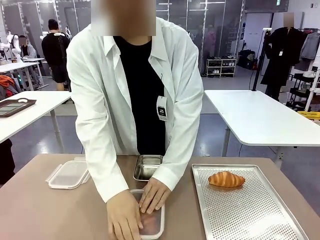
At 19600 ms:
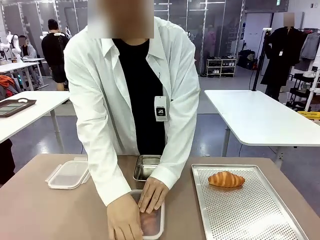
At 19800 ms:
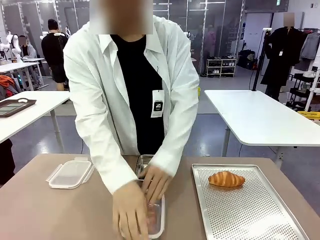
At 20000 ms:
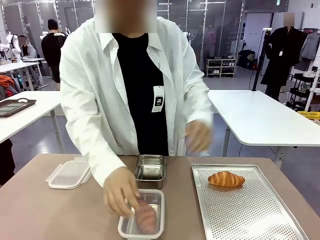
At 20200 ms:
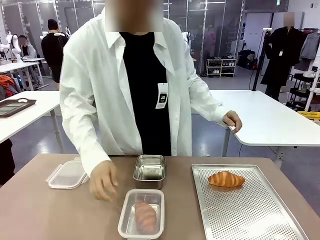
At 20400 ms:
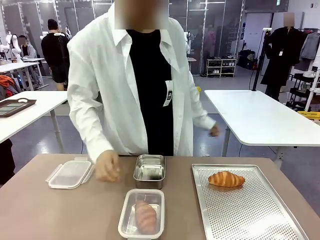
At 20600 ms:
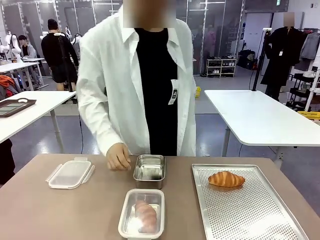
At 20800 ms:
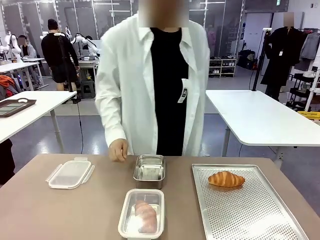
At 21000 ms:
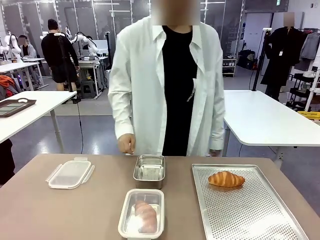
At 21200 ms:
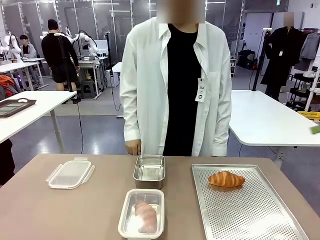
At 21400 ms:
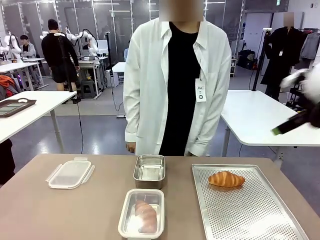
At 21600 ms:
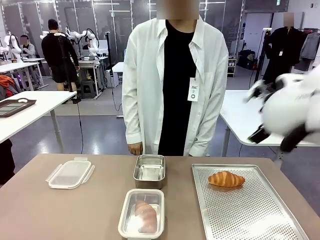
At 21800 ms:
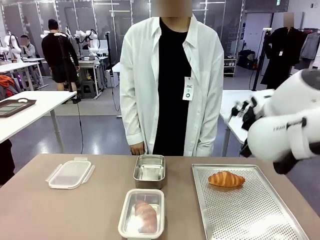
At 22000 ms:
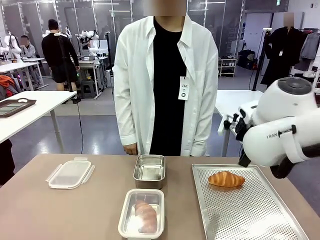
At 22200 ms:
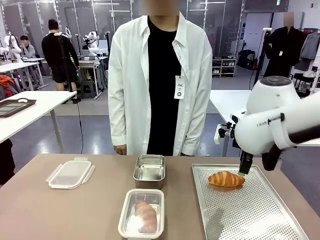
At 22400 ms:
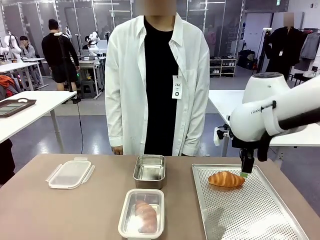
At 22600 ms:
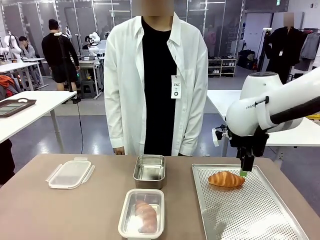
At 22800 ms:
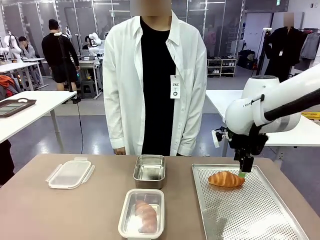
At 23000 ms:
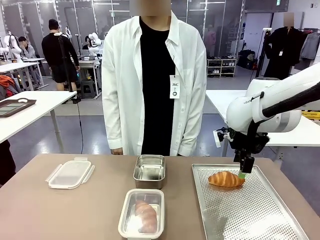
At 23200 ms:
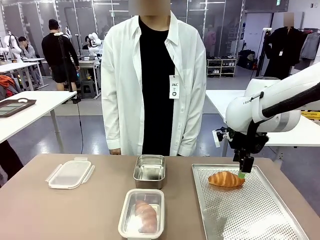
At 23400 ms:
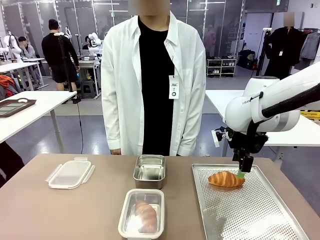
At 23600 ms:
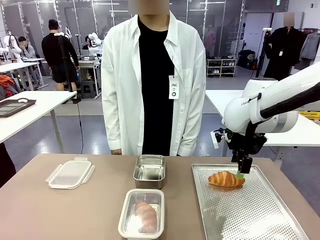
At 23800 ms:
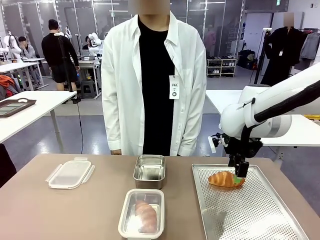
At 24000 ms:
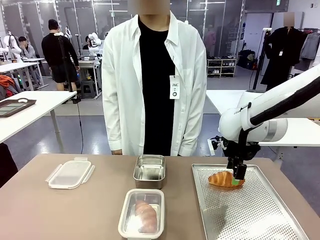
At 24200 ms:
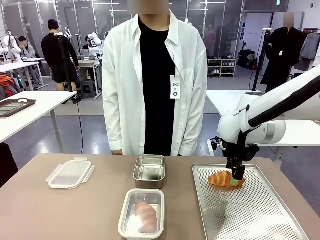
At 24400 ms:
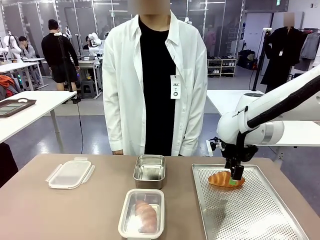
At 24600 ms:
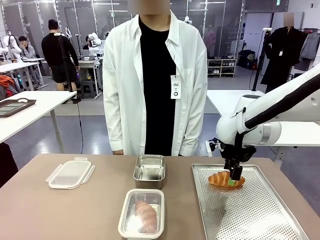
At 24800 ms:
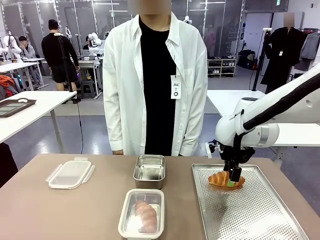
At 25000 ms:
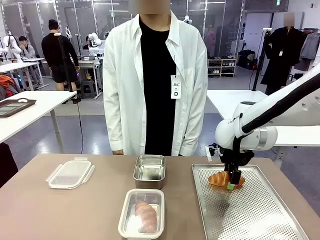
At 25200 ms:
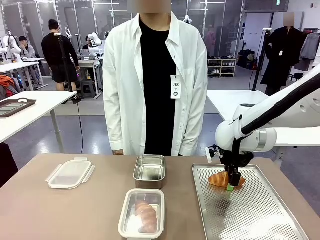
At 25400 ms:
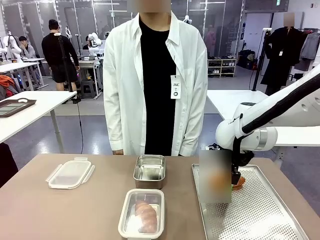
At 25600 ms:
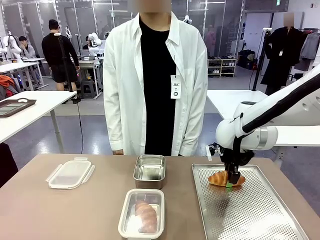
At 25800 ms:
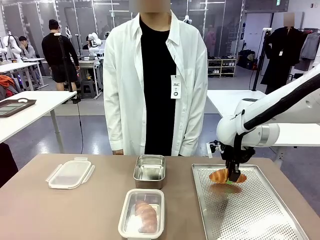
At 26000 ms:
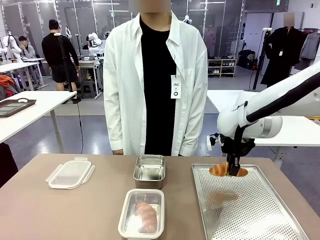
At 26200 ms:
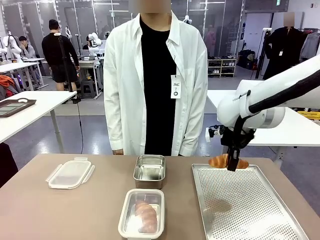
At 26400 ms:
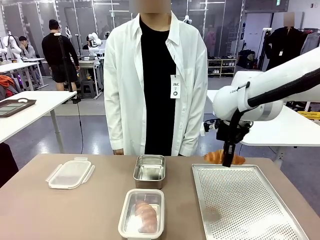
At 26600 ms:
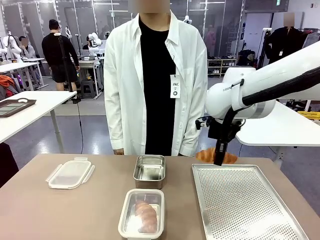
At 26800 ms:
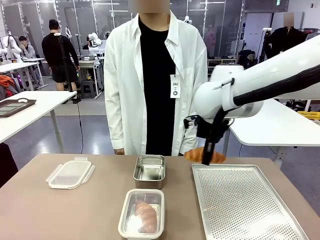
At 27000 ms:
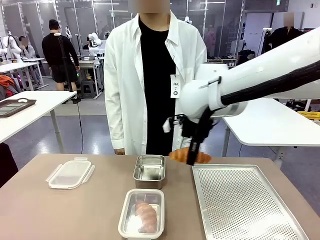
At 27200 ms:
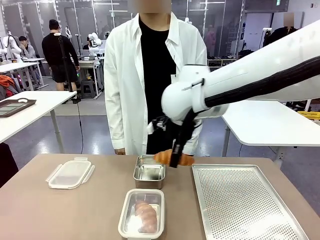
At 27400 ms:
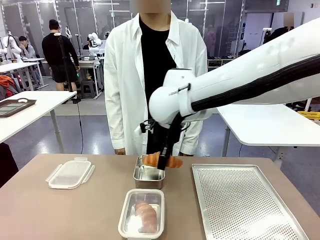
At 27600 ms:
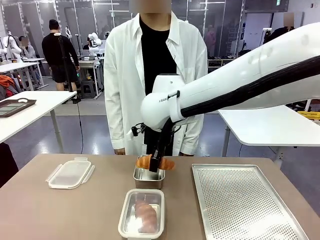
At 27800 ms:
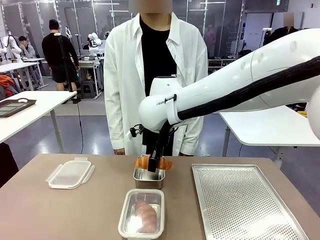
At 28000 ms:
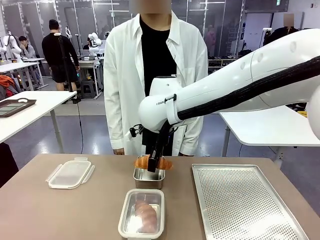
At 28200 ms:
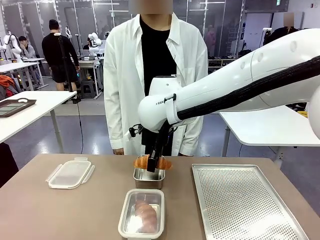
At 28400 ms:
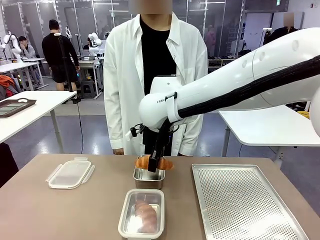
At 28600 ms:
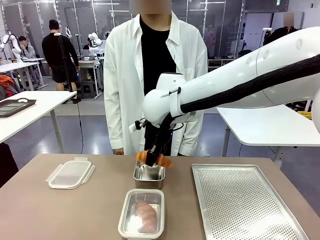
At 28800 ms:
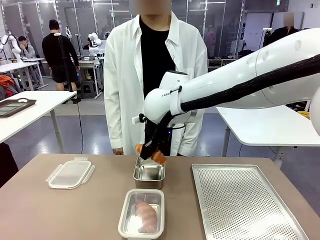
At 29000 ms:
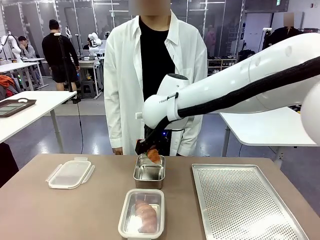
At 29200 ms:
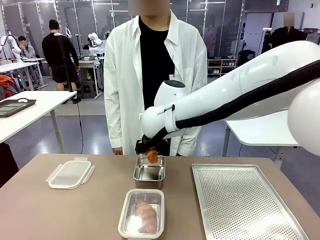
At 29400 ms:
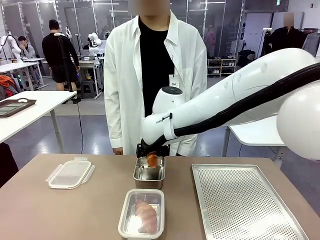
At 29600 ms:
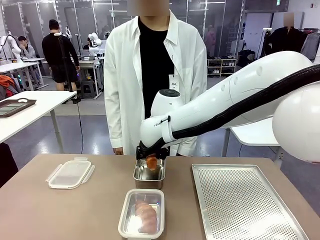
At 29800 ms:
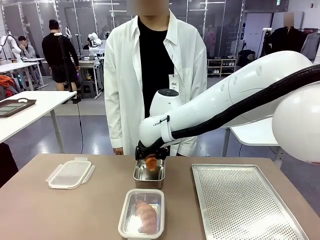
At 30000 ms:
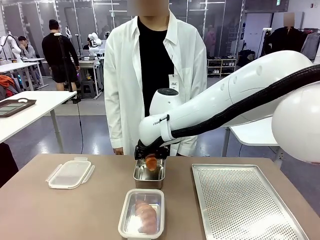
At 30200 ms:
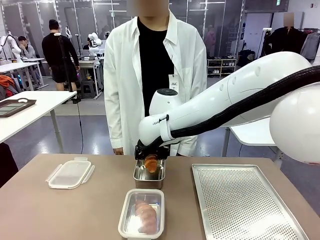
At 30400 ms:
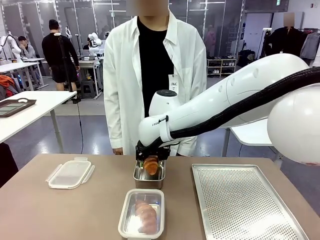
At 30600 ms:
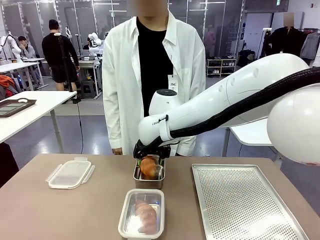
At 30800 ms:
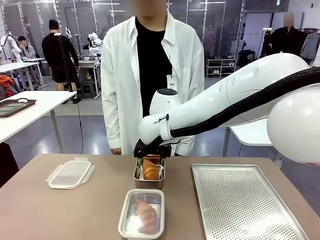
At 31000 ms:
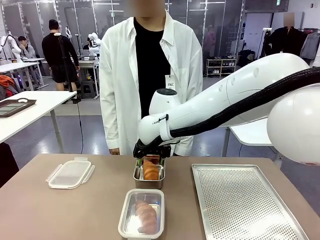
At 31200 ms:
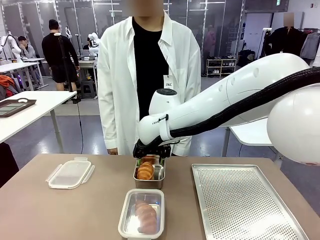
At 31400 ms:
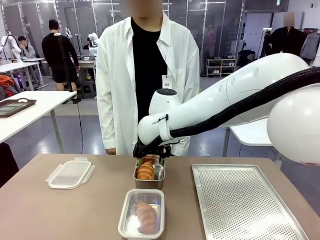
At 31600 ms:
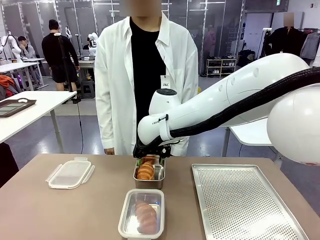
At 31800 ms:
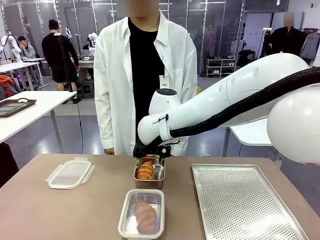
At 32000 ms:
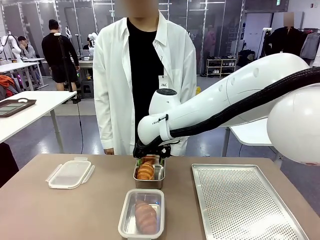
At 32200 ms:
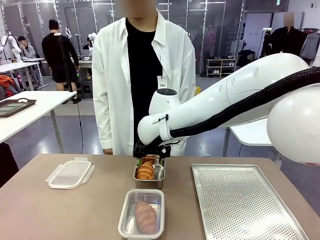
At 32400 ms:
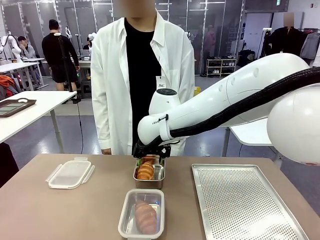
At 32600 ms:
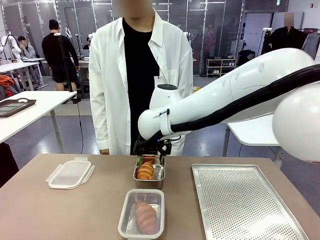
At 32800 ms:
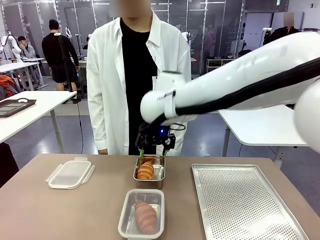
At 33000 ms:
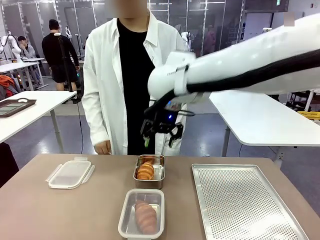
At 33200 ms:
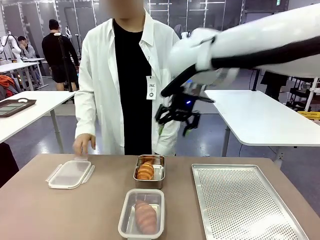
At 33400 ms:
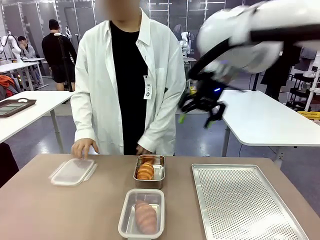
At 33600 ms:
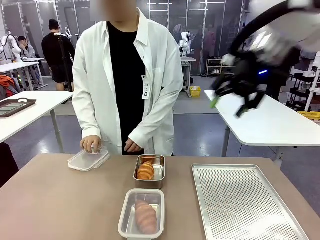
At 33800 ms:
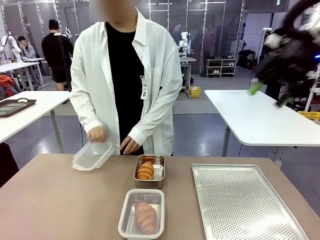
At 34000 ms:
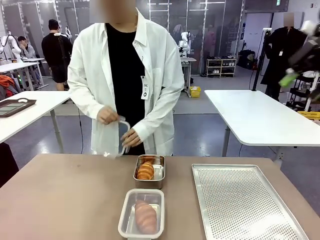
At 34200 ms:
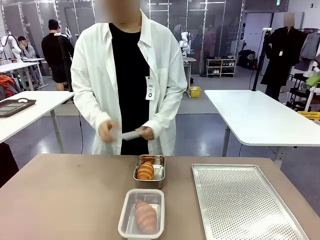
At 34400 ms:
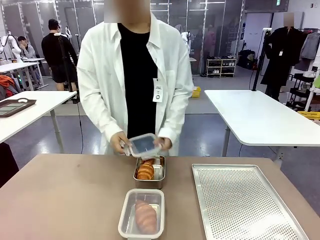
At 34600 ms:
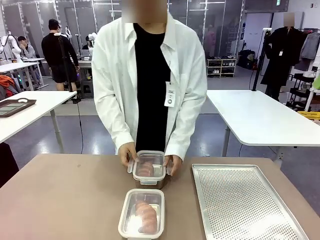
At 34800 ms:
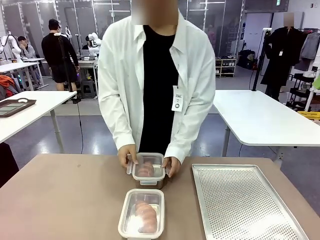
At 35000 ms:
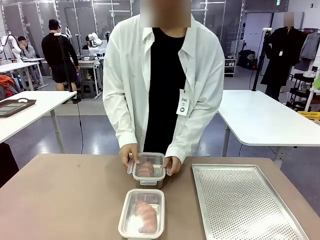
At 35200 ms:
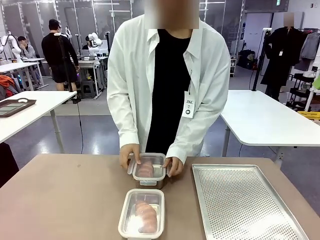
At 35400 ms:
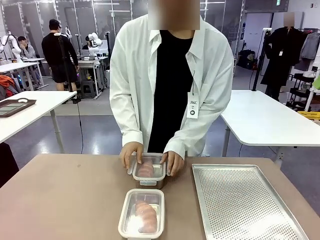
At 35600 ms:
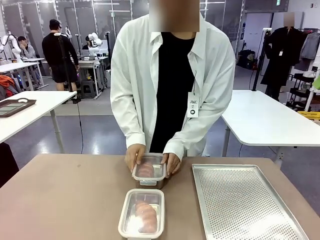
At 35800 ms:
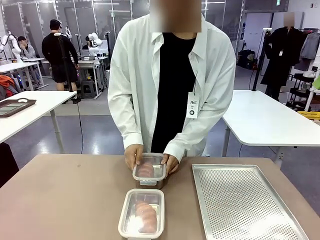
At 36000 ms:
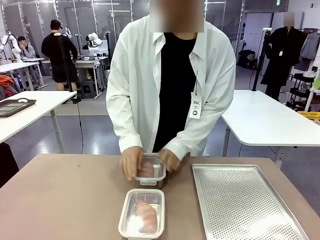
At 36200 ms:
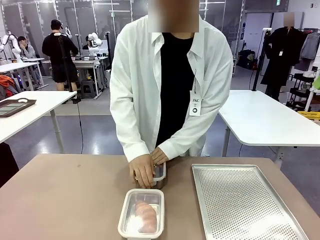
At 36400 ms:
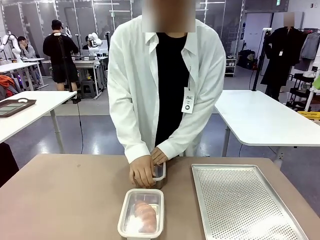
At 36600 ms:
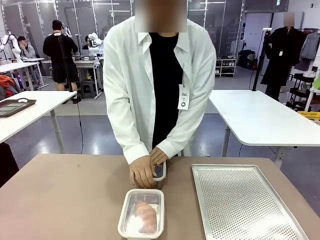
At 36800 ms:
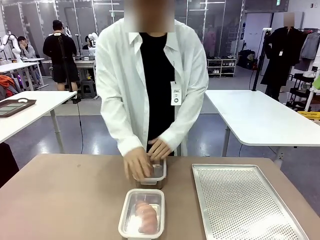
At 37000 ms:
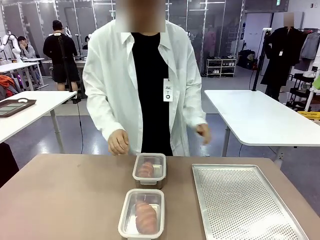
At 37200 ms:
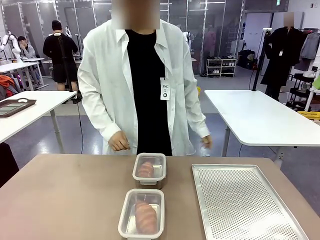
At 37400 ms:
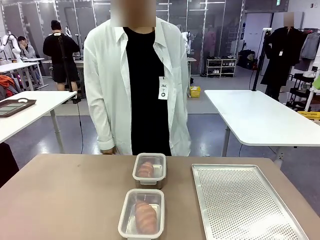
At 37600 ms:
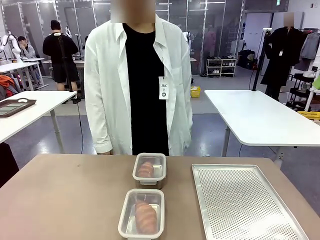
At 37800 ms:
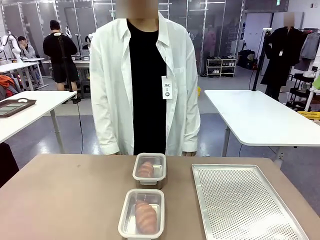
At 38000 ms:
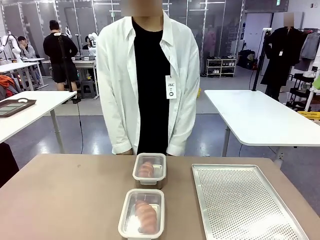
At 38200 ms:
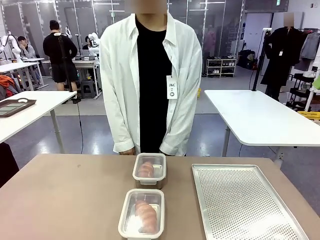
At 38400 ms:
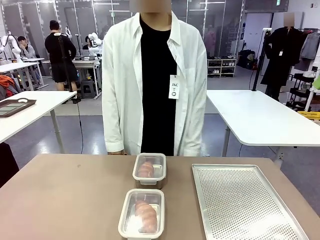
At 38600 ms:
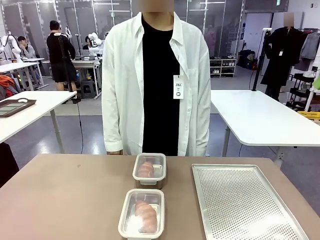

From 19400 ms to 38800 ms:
Task: Place the bread into the airtight container.
Robot: Pick up a Butter Roll and place it into an empty Airtight Container.
